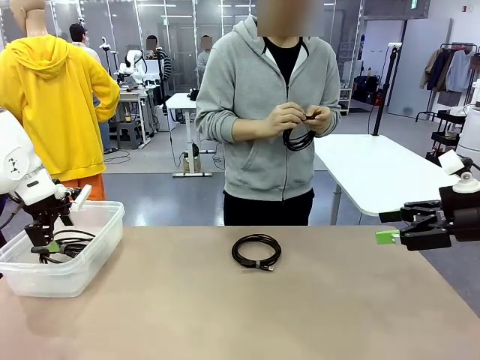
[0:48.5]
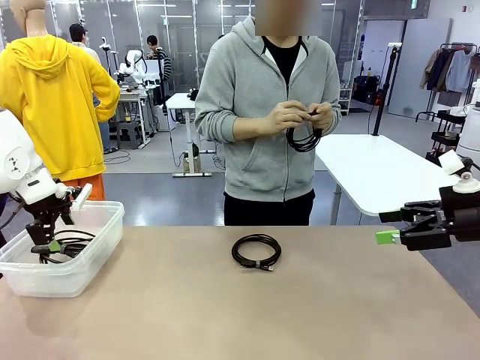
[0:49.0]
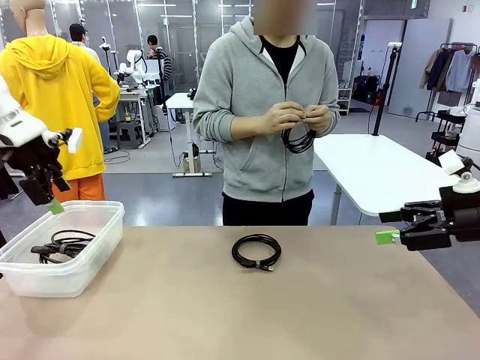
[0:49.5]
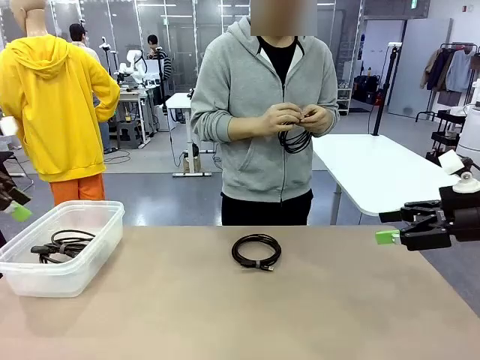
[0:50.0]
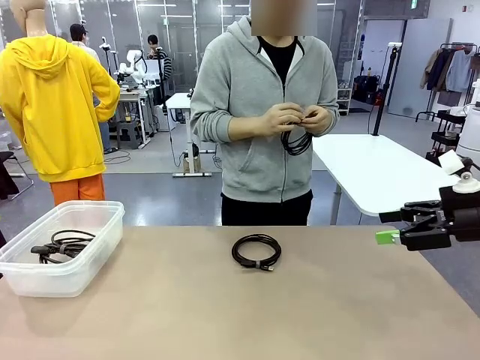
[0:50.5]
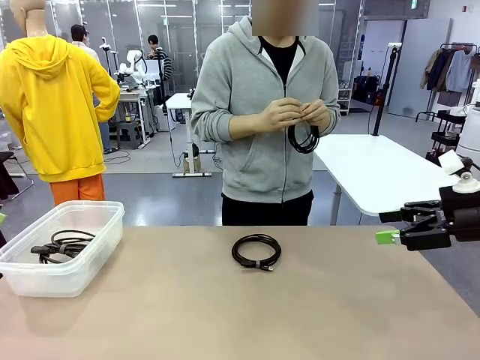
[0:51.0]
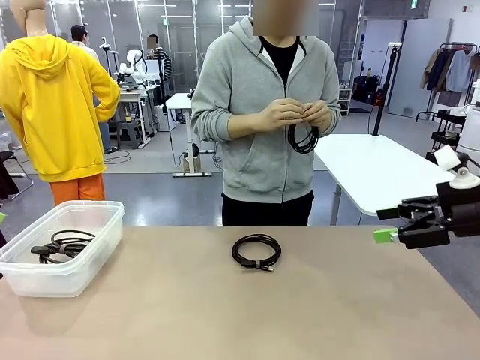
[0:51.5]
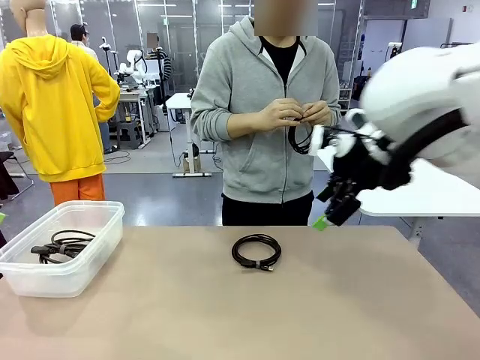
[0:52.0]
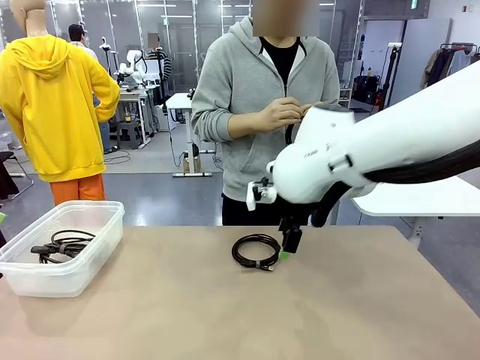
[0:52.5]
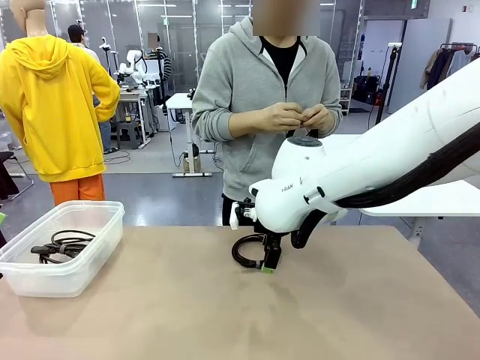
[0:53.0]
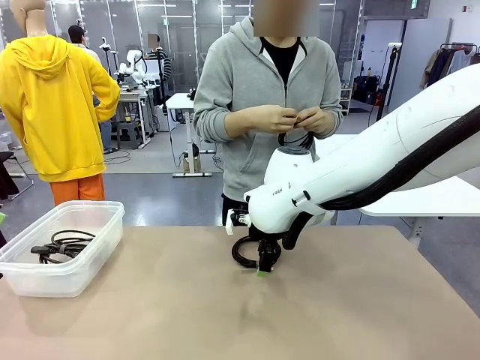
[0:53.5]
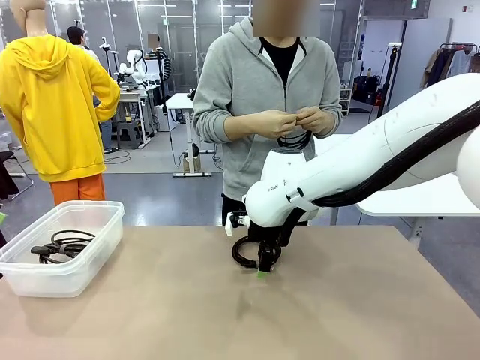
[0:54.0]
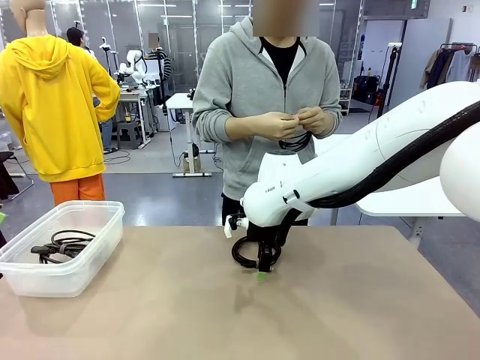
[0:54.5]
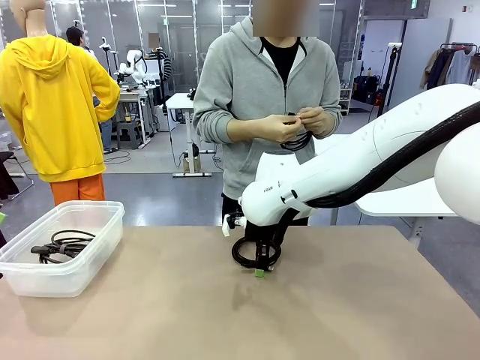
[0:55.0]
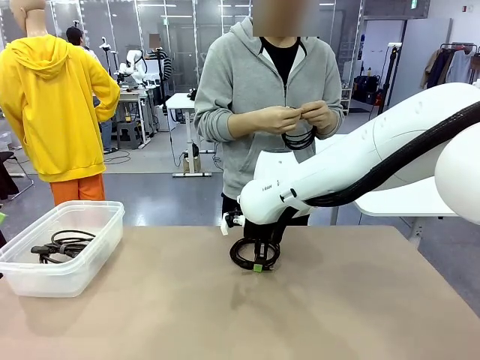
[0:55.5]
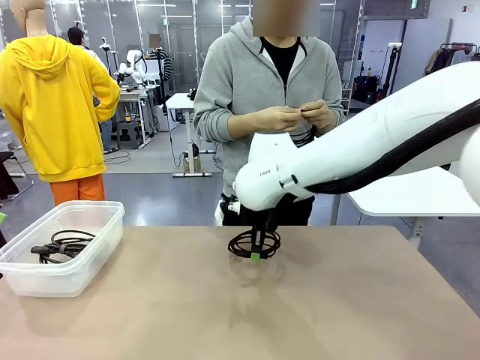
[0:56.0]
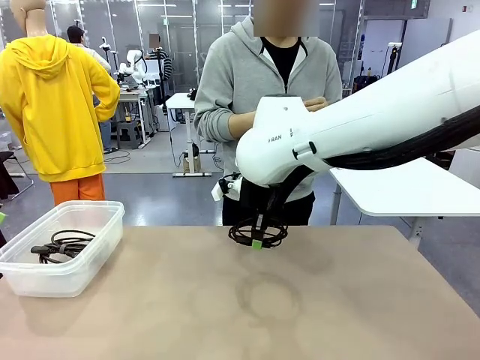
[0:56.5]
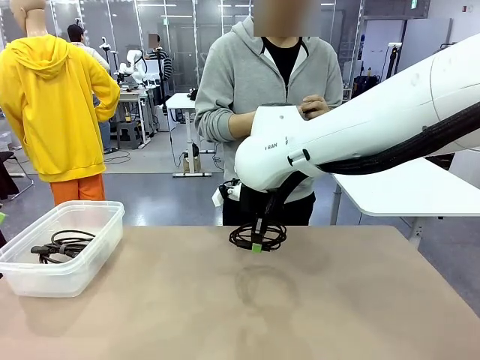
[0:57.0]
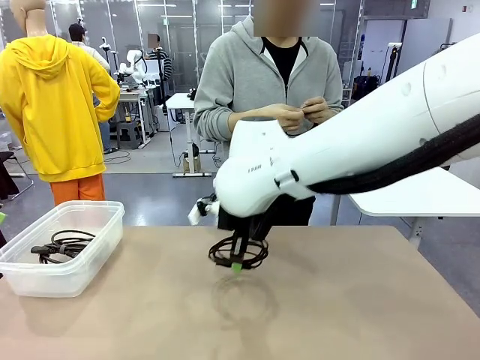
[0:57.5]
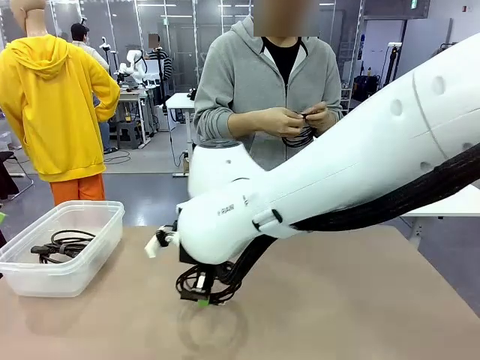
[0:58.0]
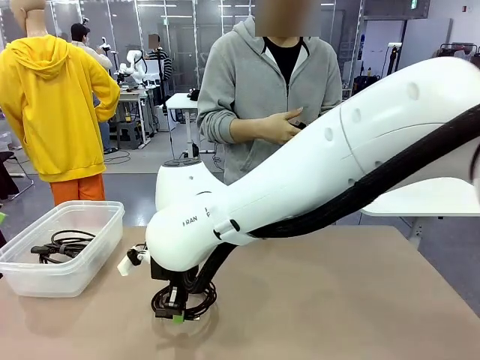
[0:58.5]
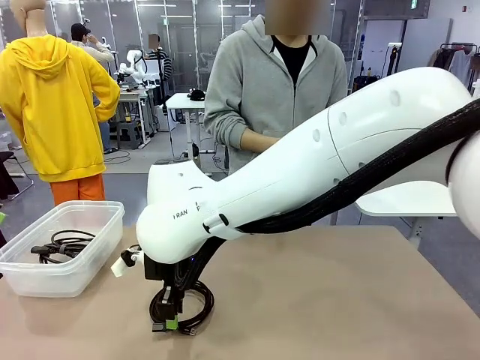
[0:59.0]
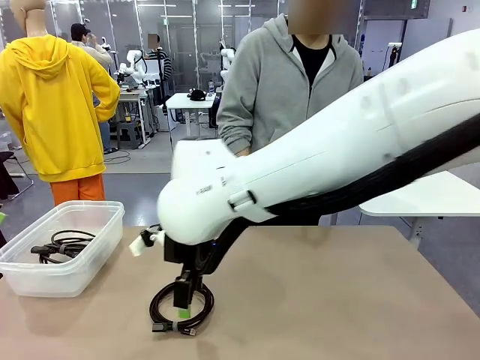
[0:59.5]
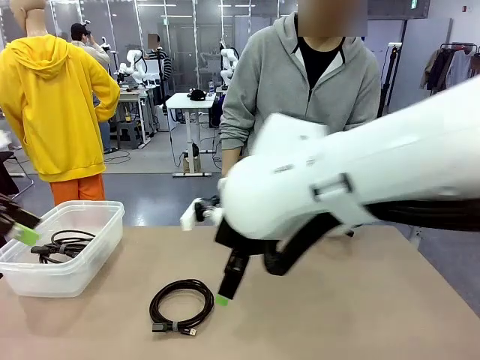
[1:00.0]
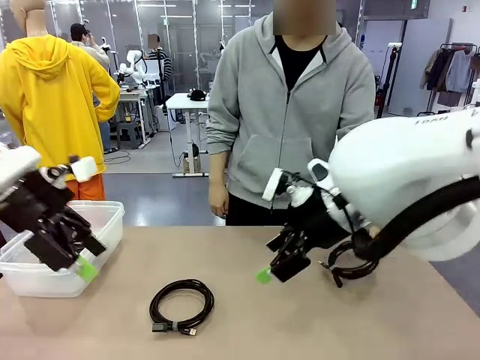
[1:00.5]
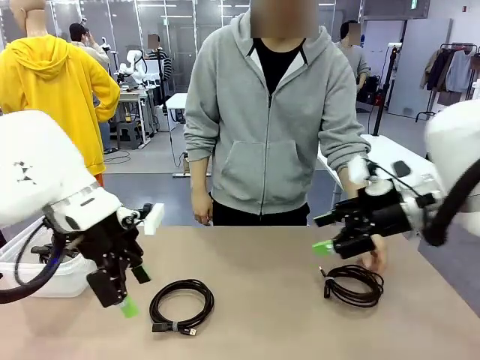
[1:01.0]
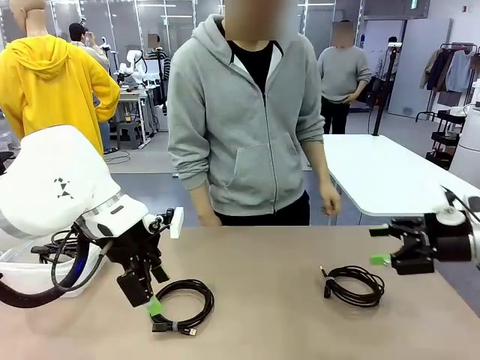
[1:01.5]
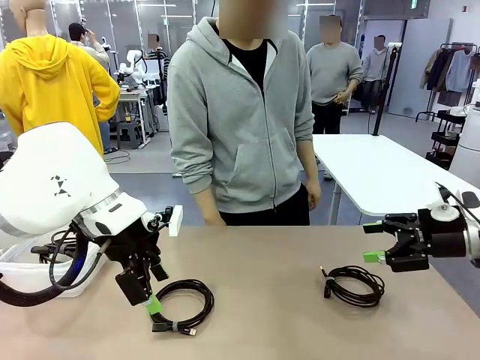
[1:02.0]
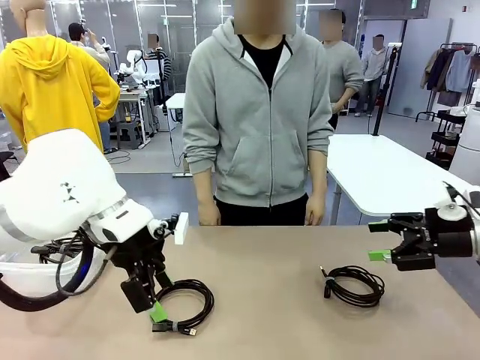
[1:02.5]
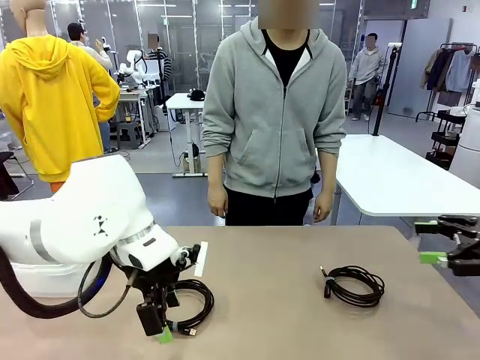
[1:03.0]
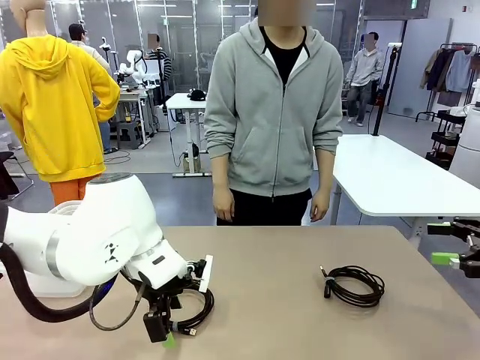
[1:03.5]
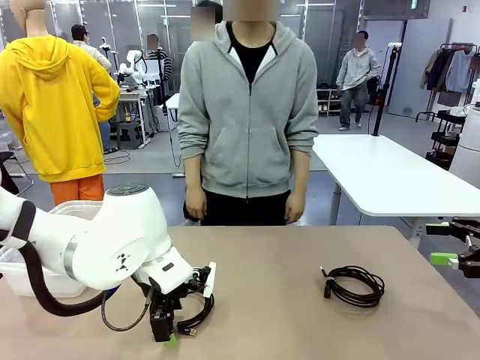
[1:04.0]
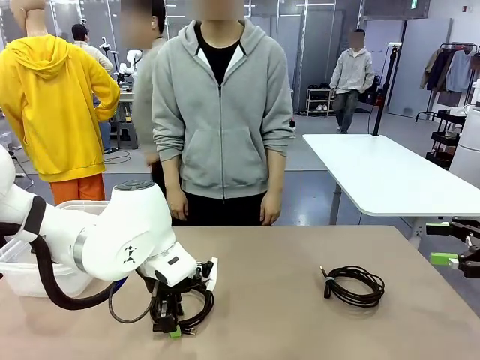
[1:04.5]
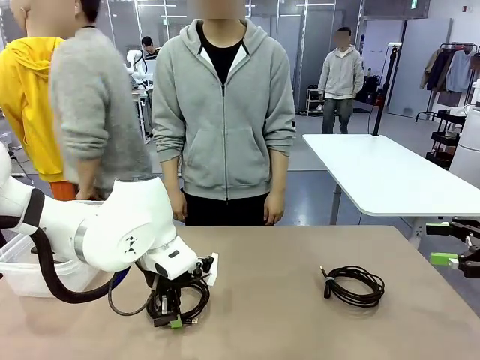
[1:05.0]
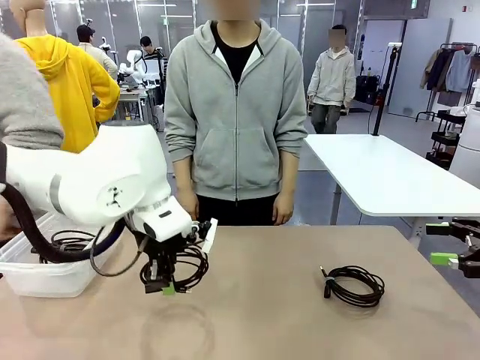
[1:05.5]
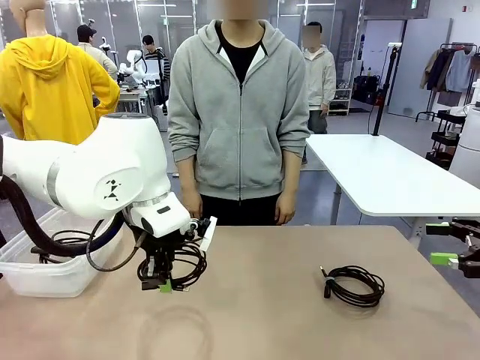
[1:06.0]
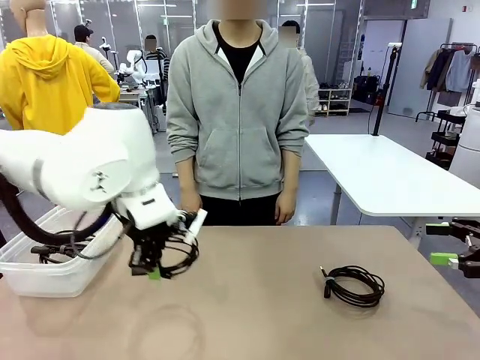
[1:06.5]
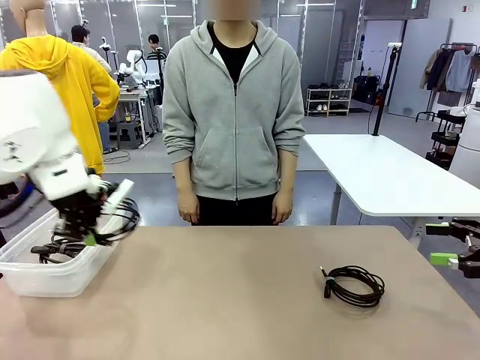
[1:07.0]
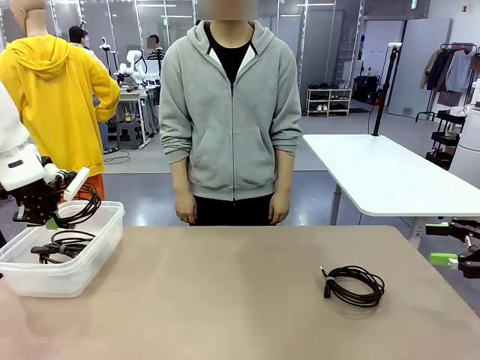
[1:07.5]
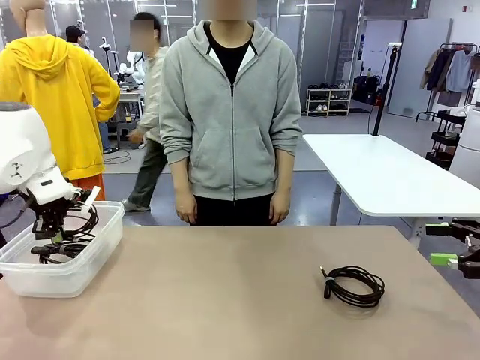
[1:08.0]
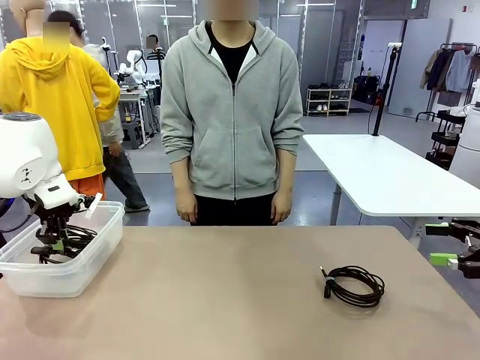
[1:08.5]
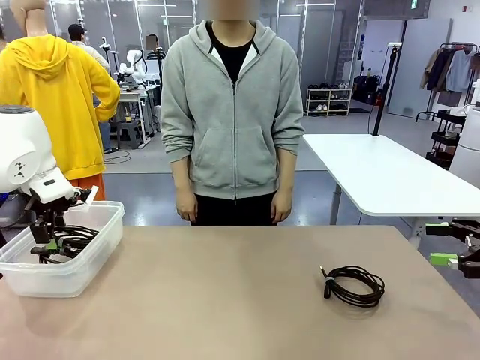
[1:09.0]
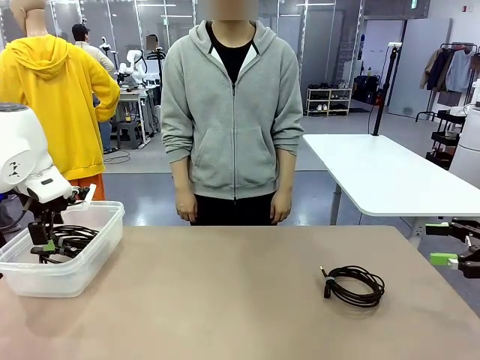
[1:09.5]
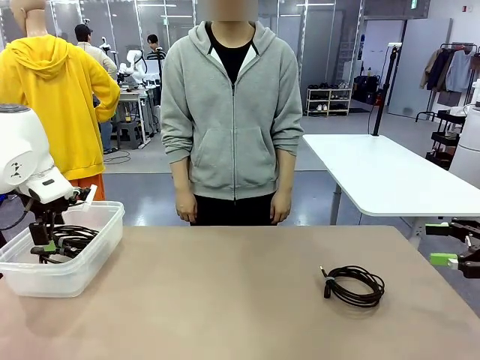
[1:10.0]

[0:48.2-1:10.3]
Task: Organize and store the cables.
Robot: Place the USB Extension Cable into the Organizing box.

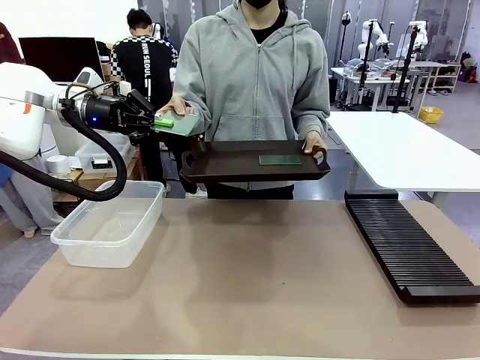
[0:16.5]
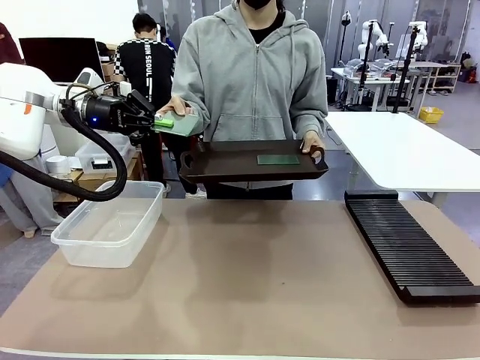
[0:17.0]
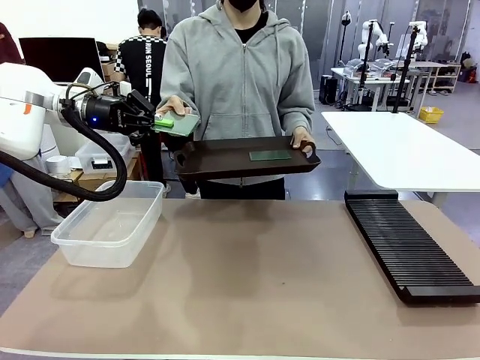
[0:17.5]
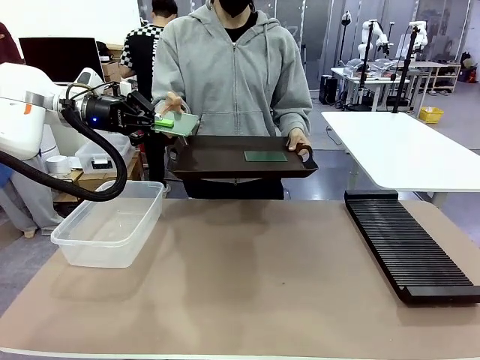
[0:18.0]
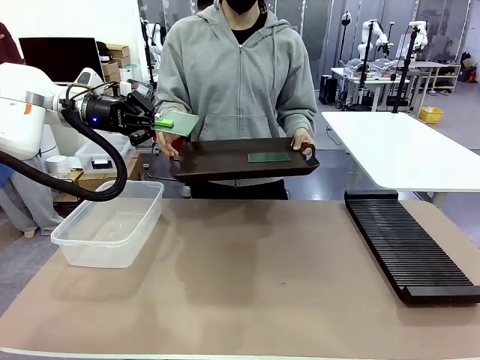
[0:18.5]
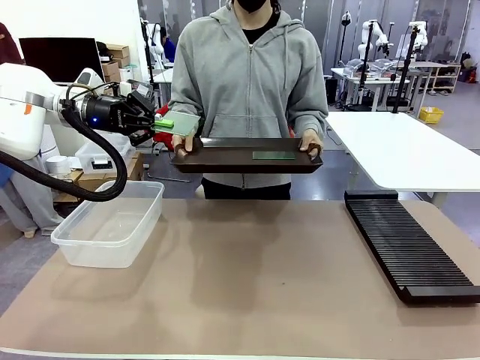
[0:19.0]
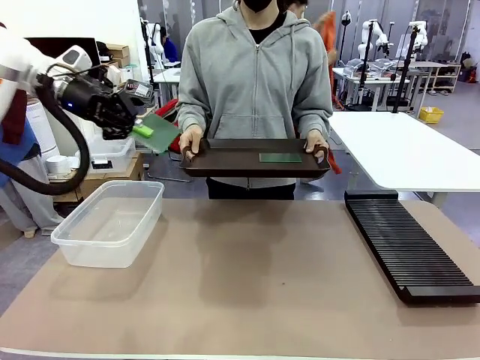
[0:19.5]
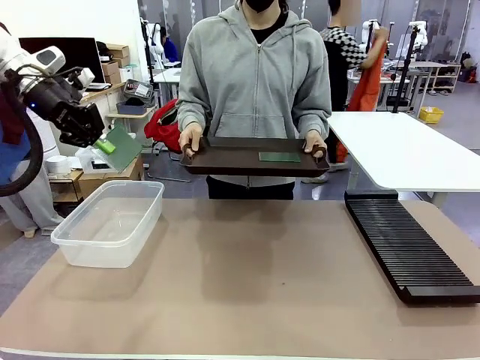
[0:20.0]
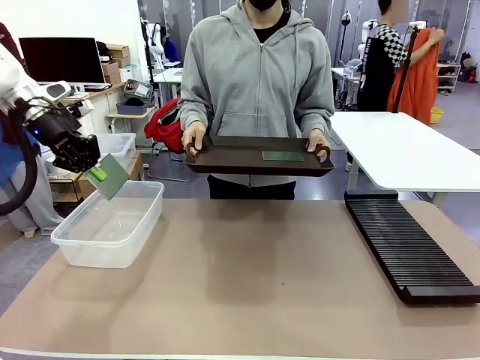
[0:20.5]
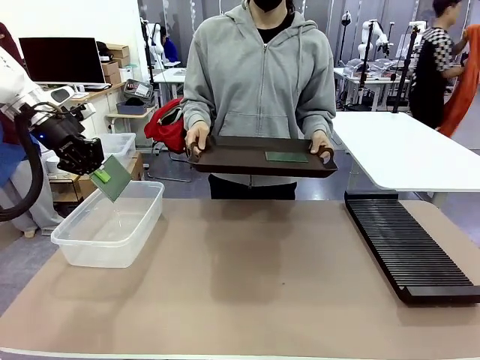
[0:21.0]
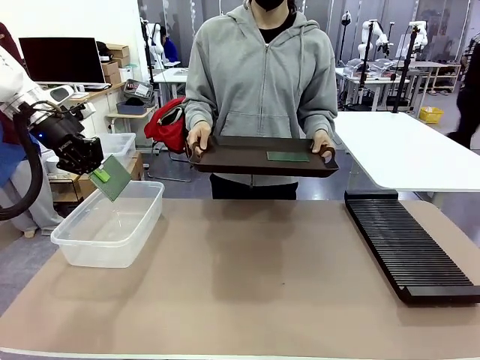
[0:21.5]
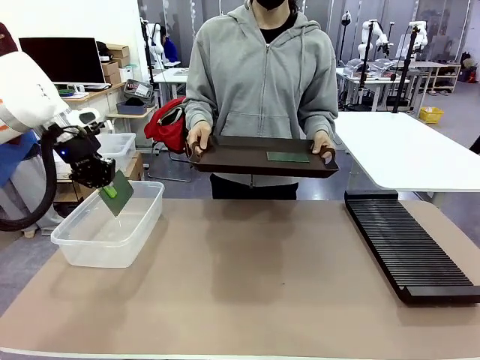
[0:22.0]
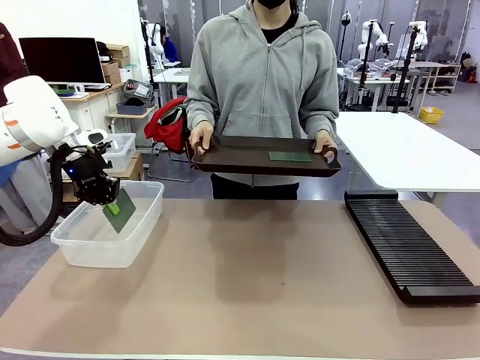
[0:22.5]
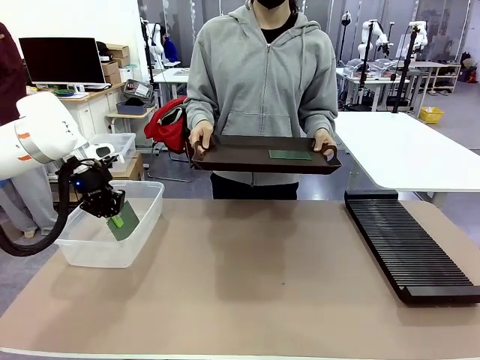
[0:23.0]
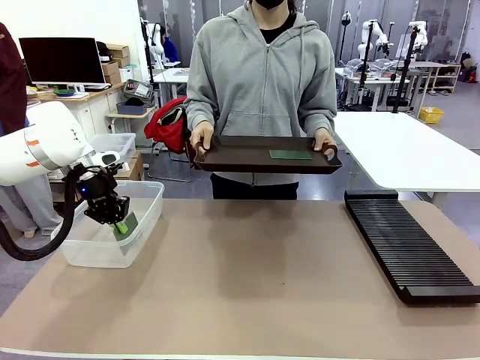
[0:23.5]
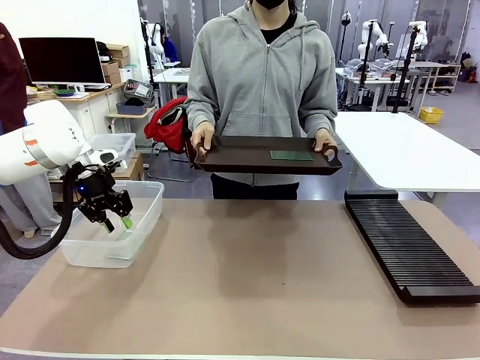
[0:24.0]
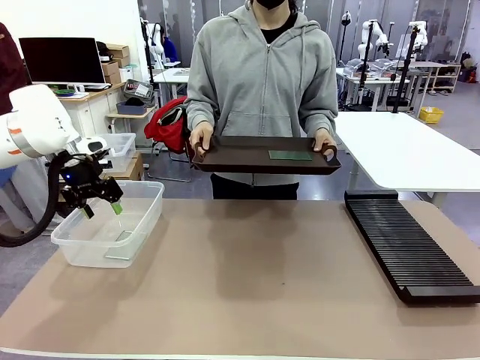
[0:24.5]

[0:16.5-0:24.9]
Task: Sort PCBs into racks and boxes based on the side picked up.
Robot: If the short side of the Blank PCB is picked up, insert it into the PCB Rack ; if the long side is picked up, place it in the Organizing box.
